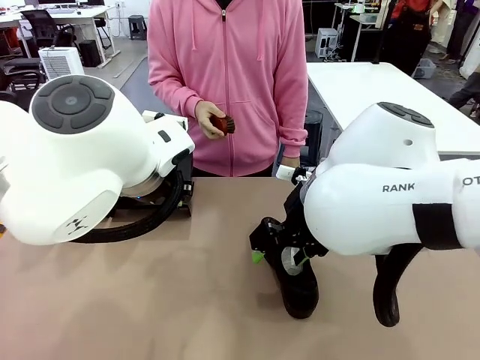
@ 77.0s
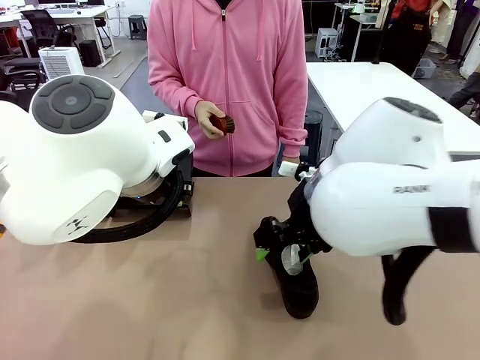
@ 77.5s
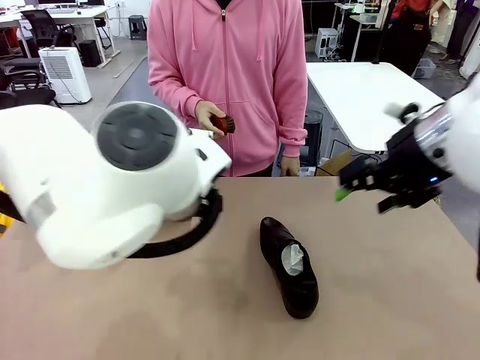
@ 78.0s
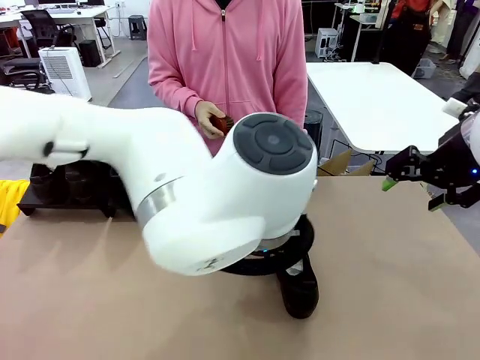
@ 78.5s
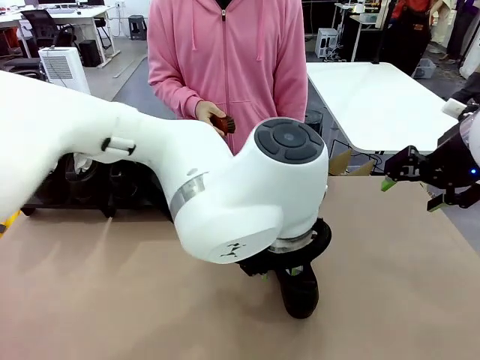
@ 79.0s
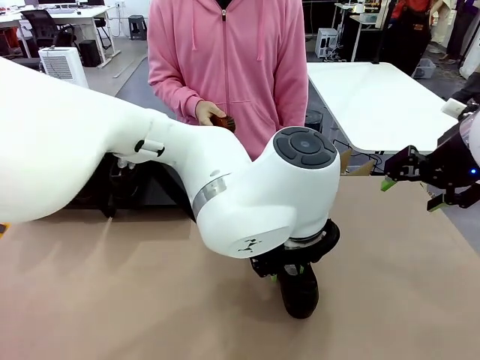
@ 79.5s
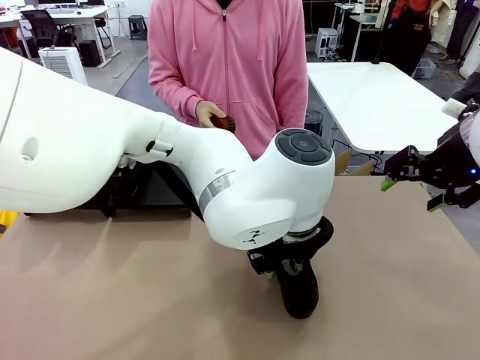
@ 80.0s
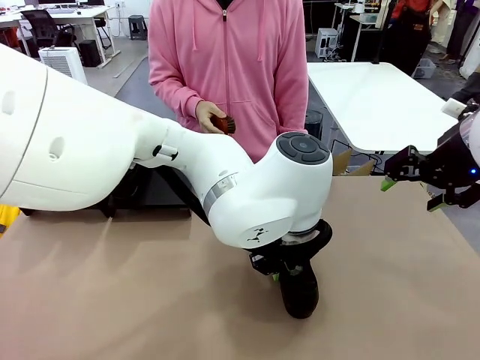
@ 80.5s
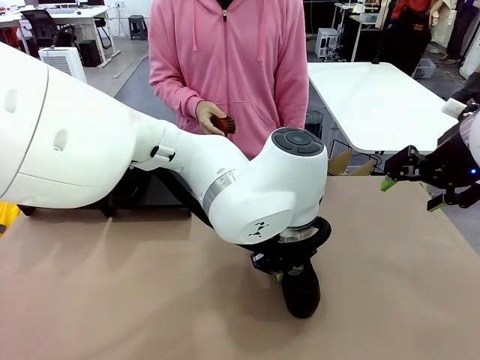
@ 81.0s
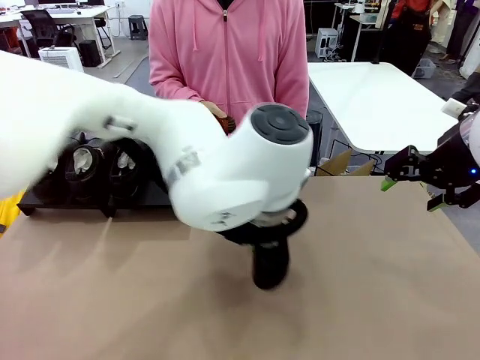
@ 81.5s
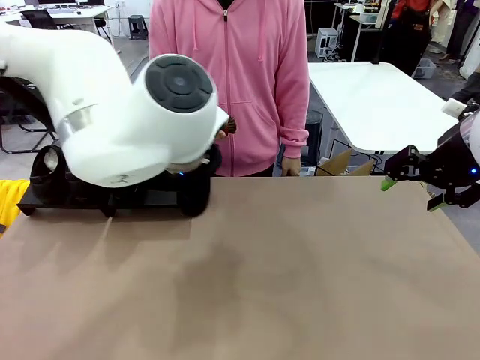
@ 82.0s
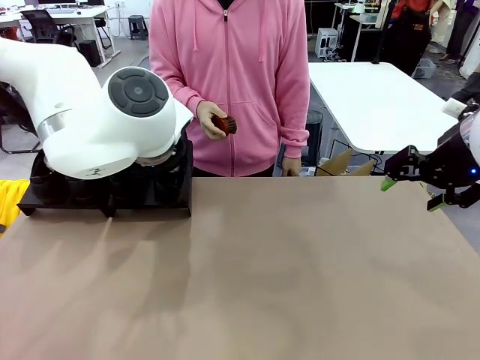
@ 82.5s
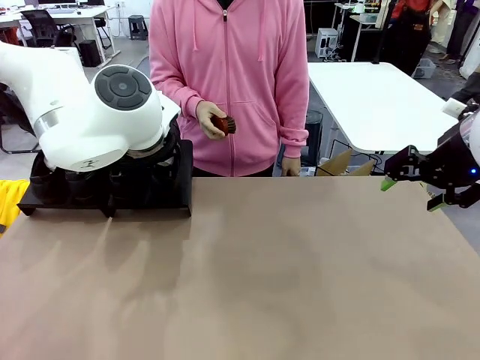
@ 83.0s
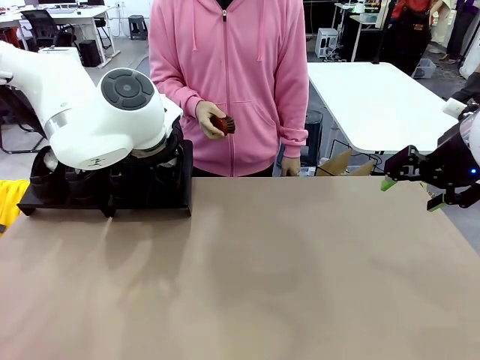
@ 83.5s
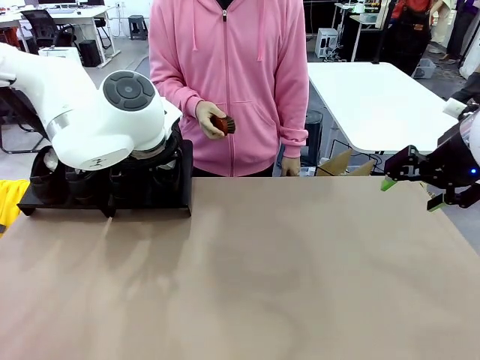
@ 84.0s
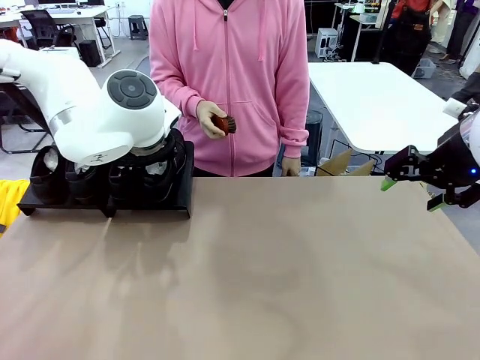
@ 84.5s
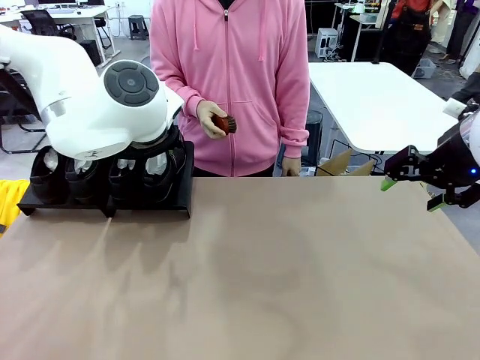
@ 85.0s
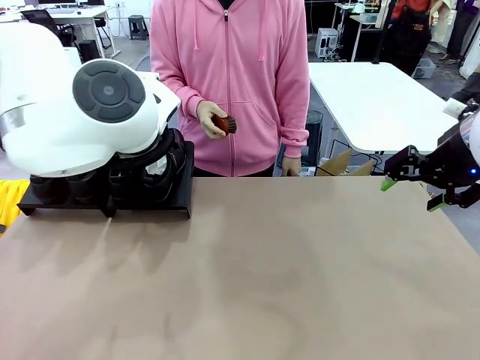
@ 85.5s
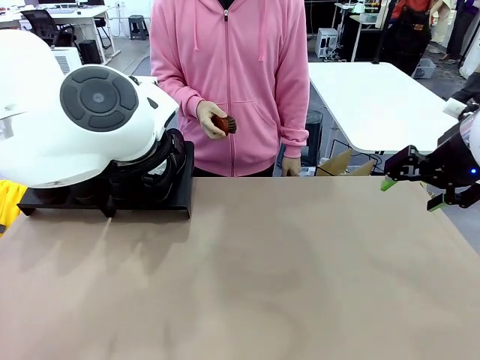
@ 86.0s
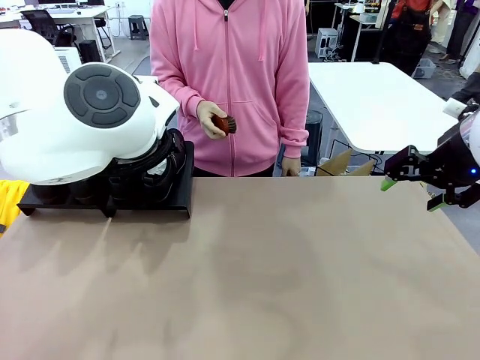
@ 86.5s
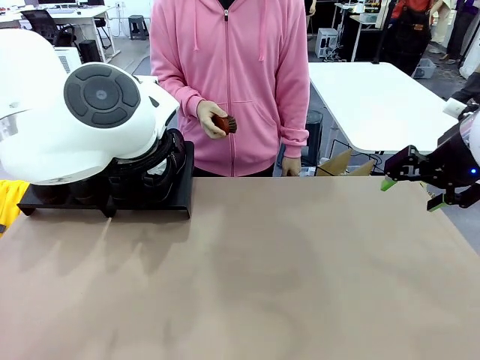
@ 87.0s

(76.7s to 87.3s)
Task: Organize the shoes by placing them on the stand.
Robot: Place the Shoe from the middle of the table onto the Shoes Stand.

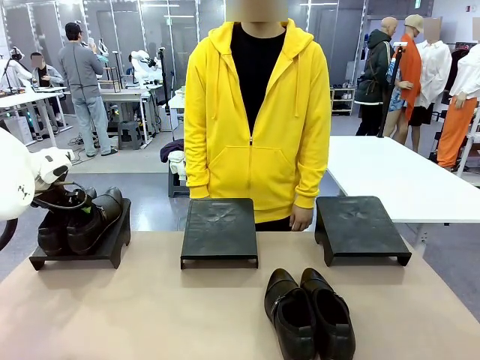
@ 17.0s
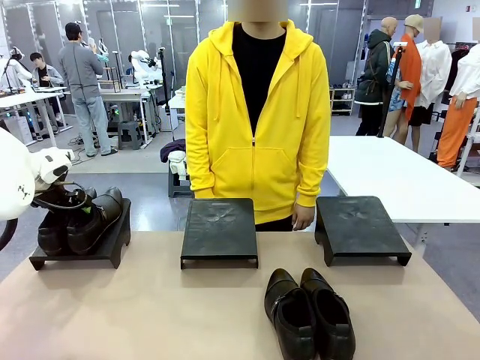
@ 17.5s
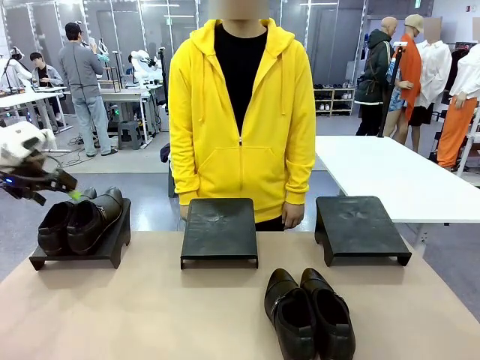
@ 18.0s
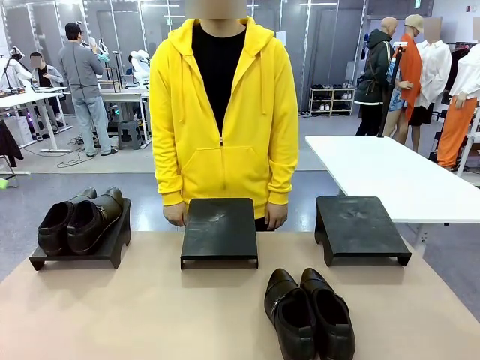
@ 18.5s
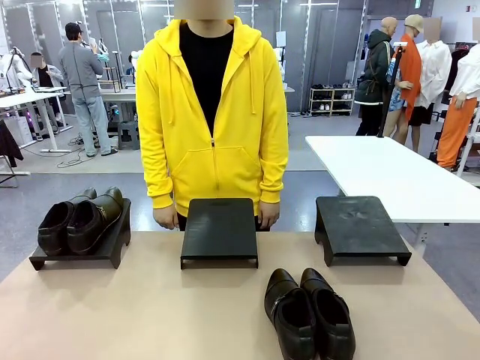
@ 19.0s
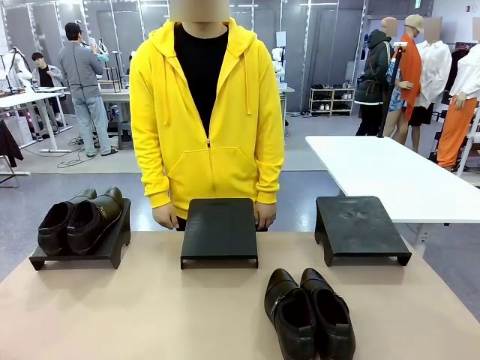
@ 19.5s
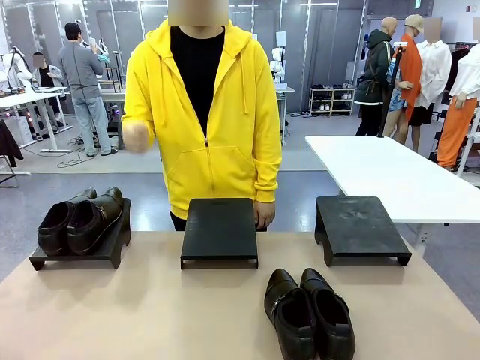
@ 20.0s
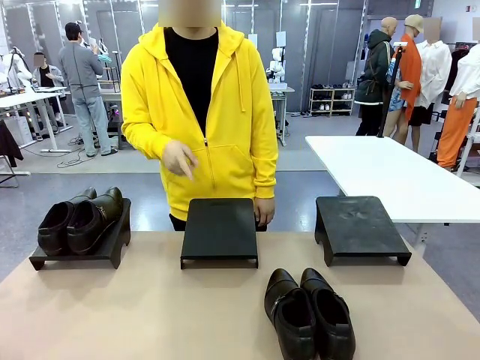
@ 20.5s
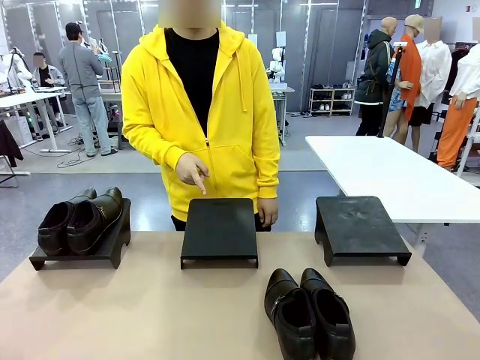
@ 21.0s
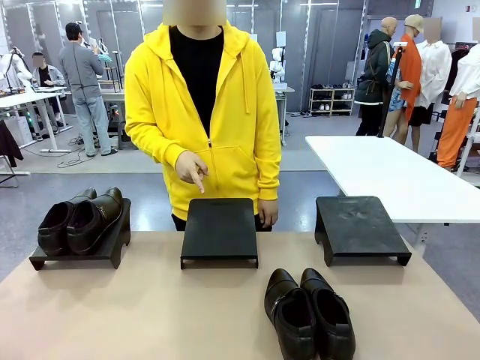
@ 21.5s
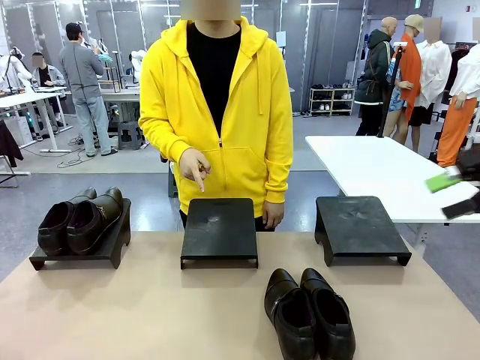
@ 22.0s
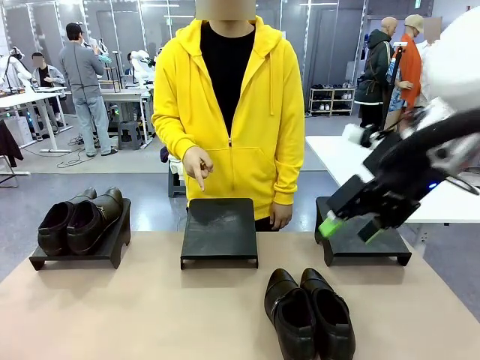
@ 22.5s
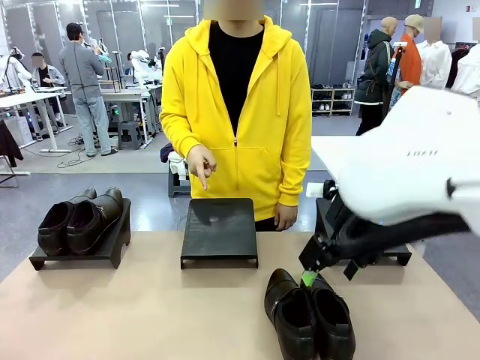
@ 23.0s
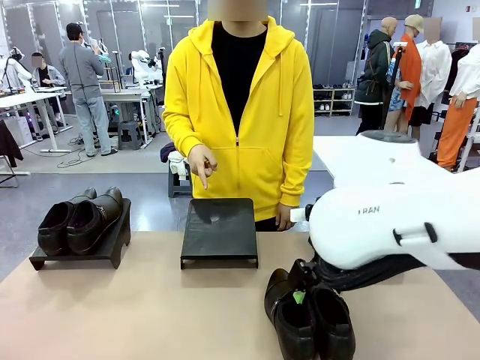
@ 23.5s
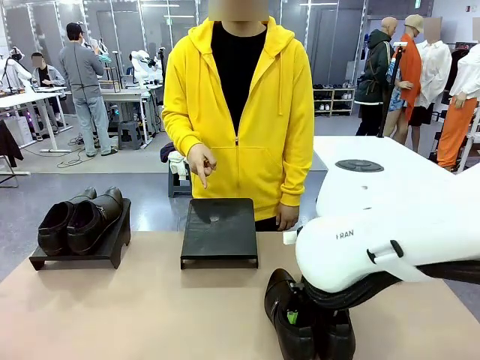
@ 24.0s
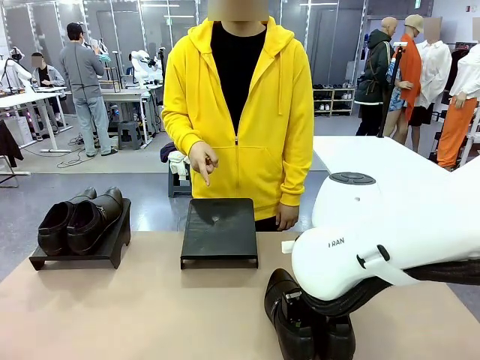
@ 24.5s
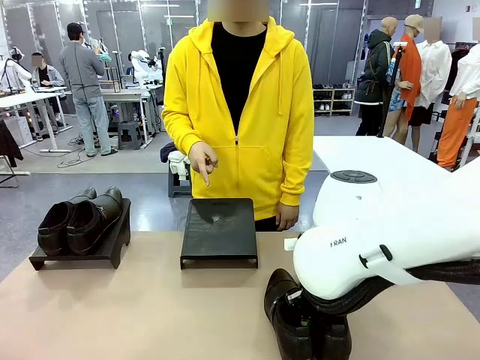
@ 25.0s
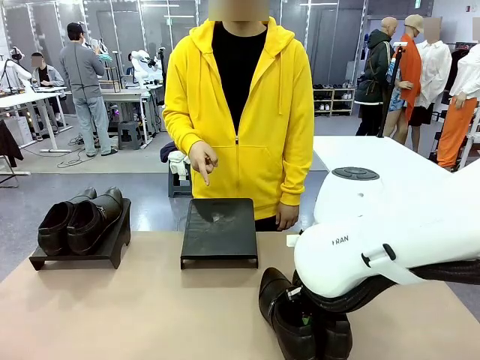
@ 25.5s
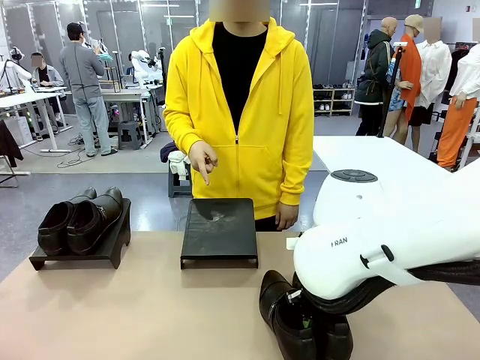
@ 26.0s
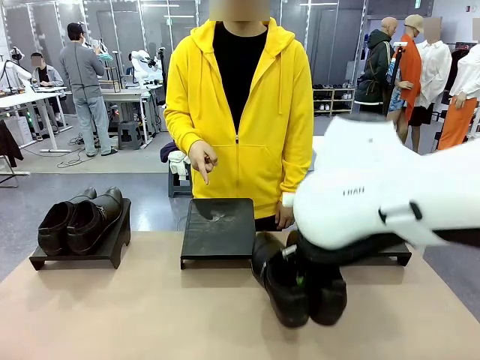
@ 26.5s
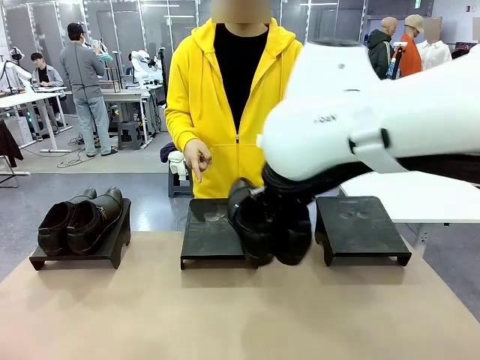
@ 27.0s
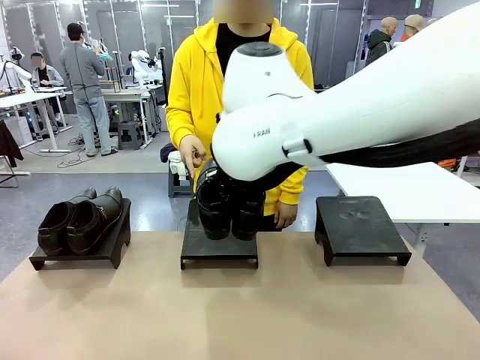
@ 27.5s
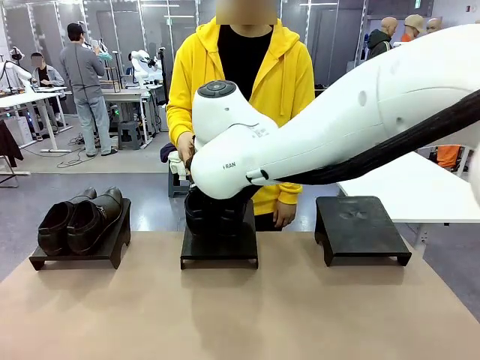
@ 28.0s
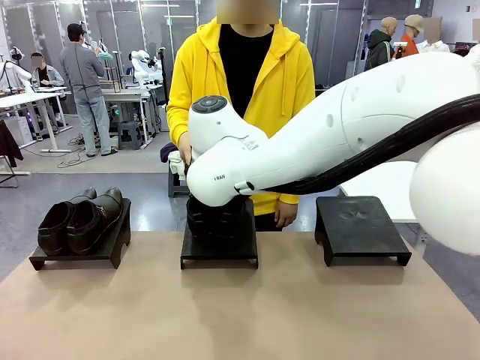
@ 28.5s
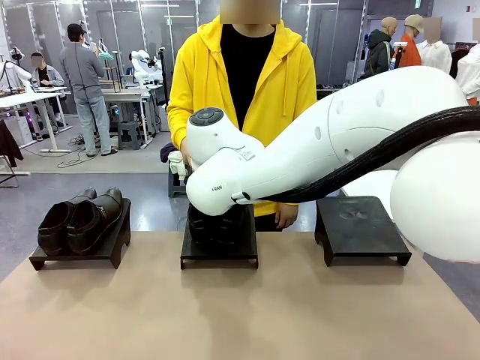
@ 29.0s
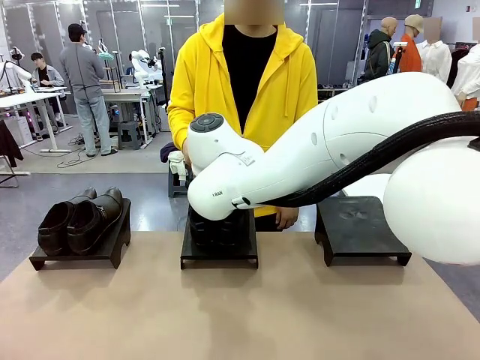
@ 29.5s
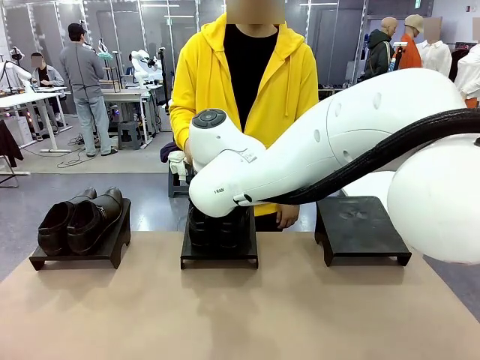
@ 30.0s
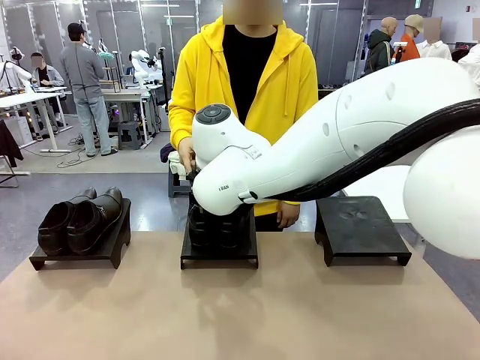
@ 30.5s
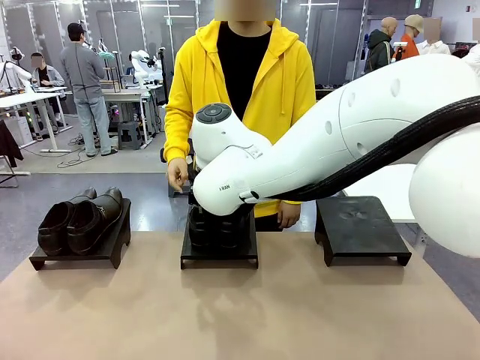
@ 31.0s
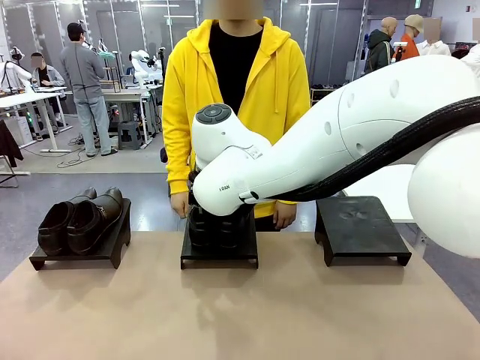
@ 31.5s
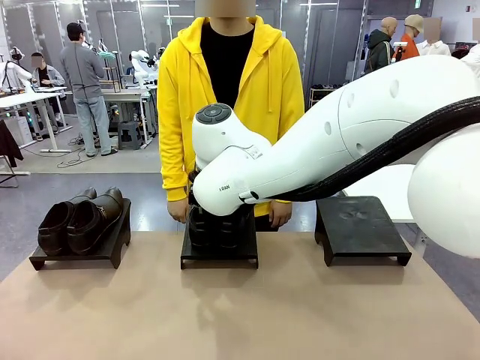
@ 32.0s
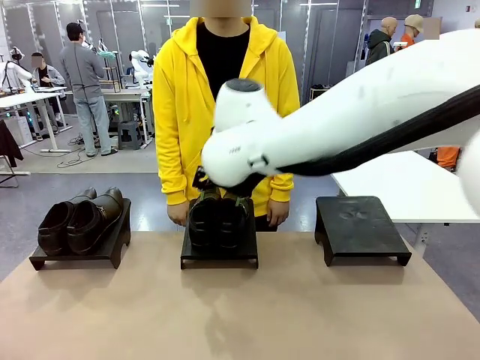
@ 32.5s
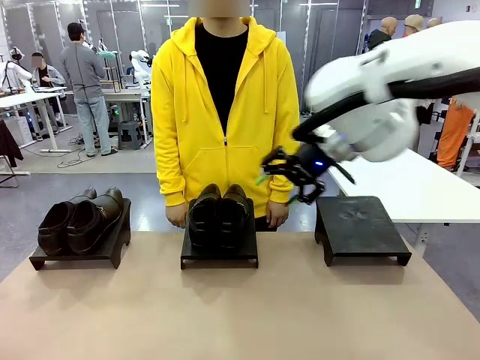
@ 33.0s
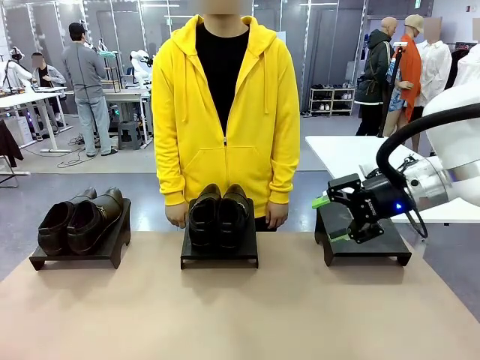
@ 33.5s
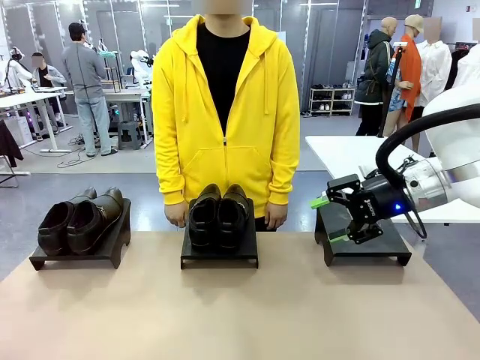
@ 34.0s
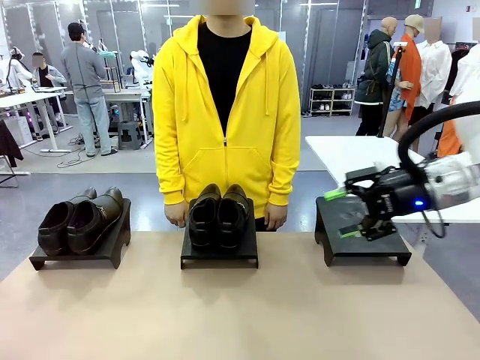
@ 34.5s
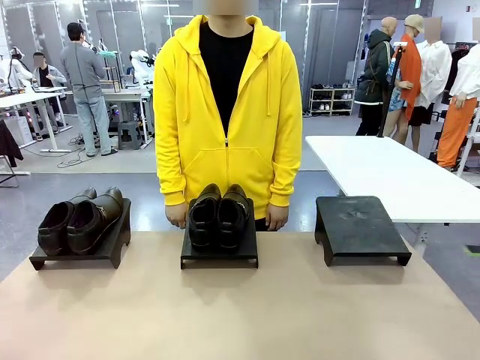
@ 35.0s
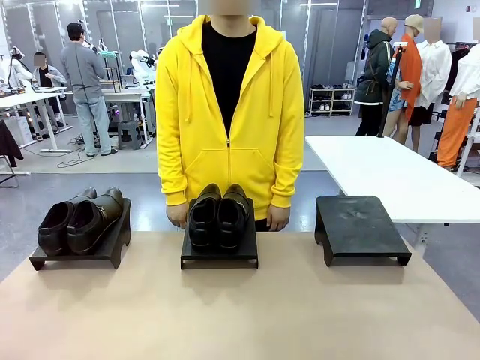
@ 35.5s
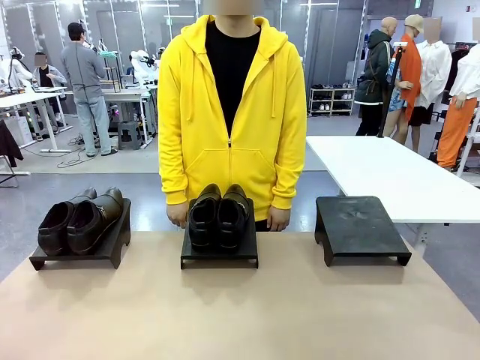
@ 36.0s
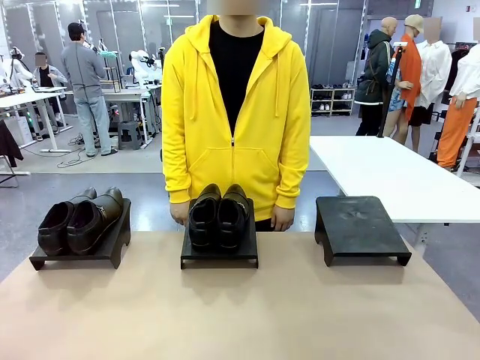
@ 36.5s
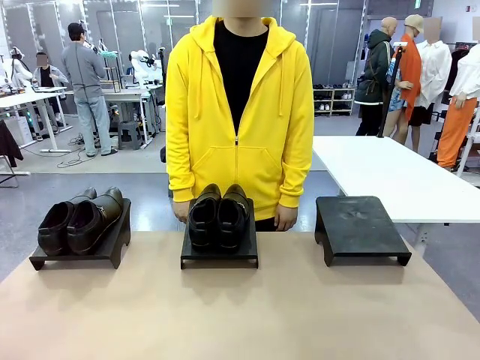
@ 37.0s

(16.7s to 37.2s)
Task: Place the shoes on the stand as instructed by the person.
Robot: Pick up another pair of Shoes and place it on the Shoes Stand indicated by the person.
Person: Point to one Shoes Stand.
